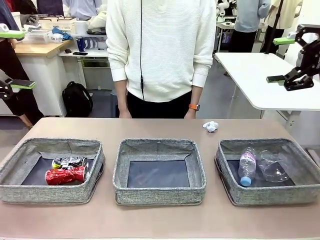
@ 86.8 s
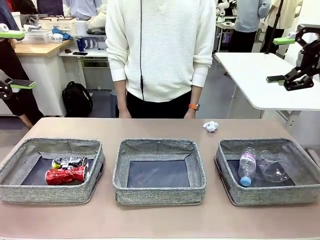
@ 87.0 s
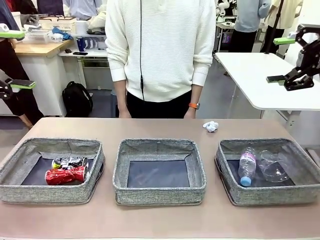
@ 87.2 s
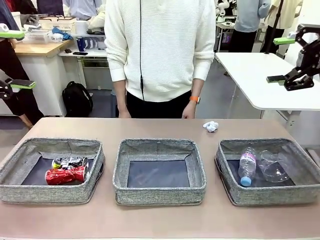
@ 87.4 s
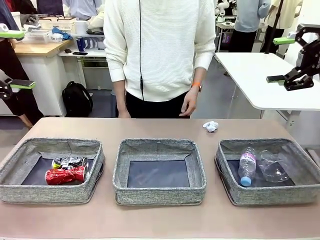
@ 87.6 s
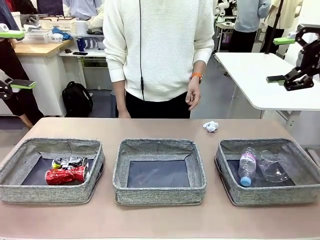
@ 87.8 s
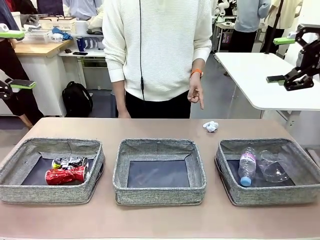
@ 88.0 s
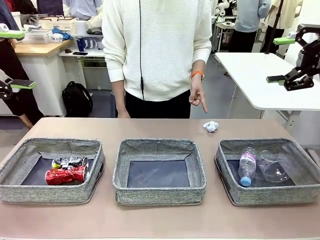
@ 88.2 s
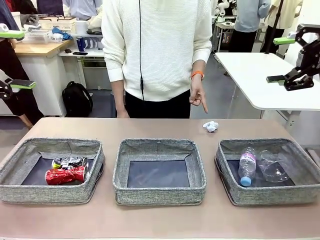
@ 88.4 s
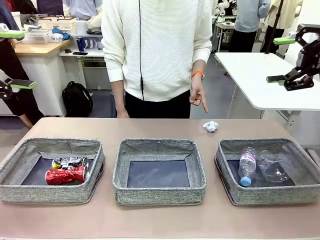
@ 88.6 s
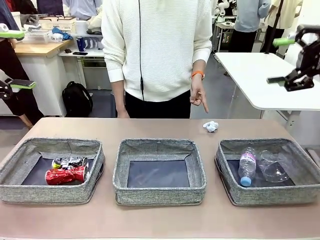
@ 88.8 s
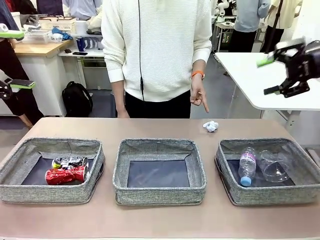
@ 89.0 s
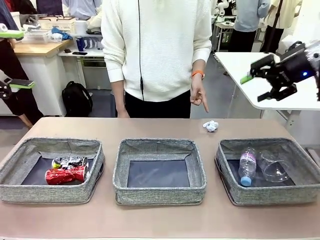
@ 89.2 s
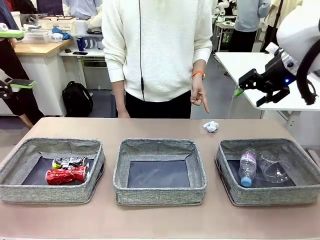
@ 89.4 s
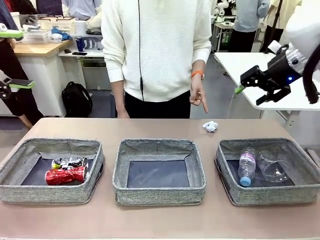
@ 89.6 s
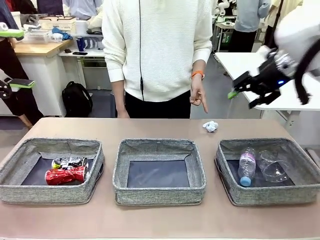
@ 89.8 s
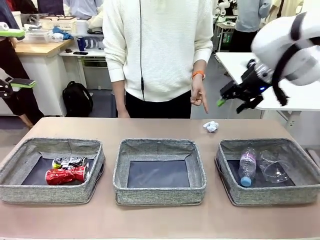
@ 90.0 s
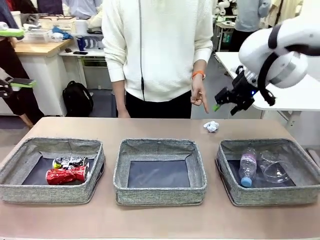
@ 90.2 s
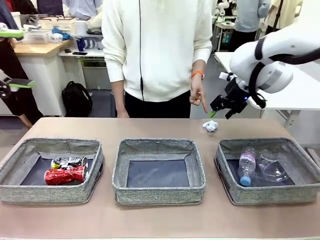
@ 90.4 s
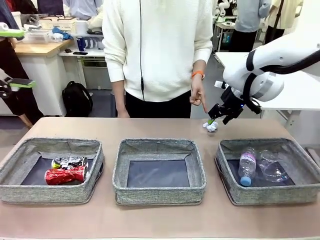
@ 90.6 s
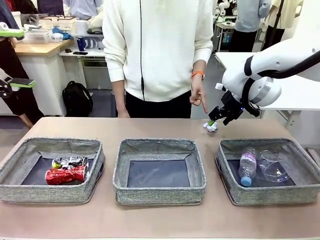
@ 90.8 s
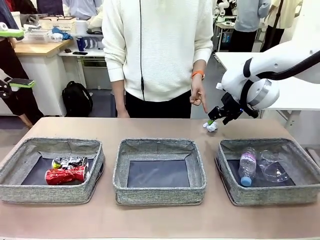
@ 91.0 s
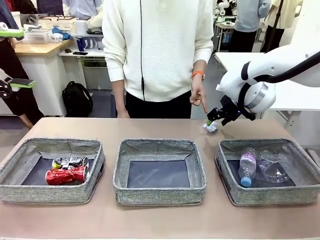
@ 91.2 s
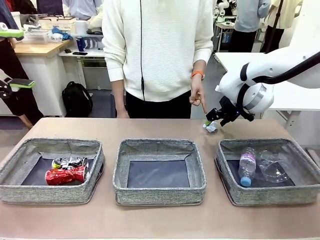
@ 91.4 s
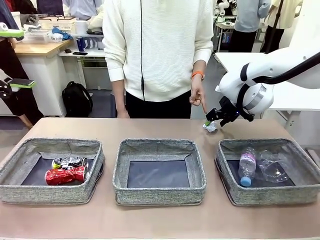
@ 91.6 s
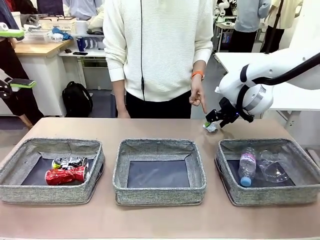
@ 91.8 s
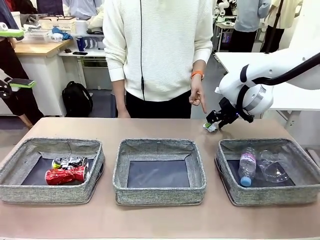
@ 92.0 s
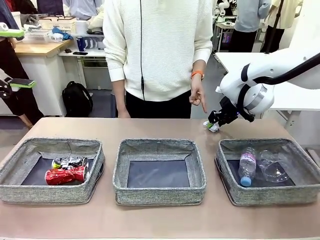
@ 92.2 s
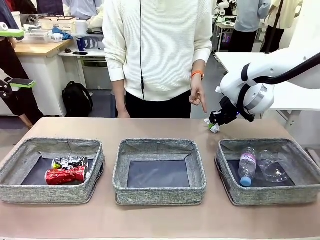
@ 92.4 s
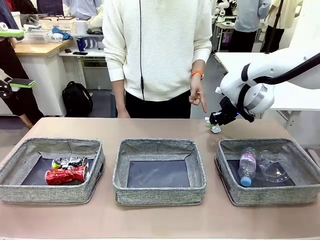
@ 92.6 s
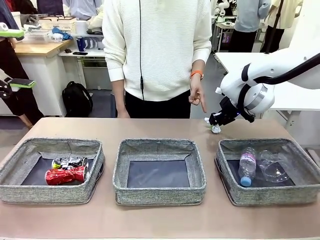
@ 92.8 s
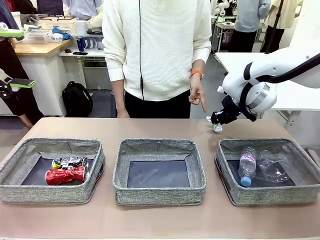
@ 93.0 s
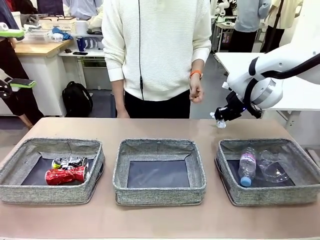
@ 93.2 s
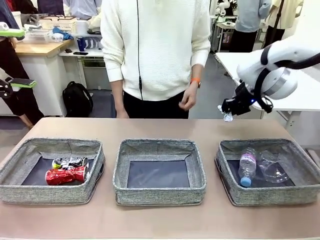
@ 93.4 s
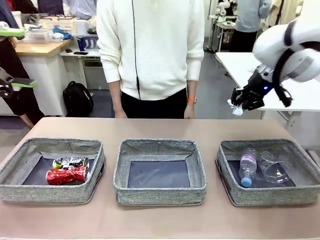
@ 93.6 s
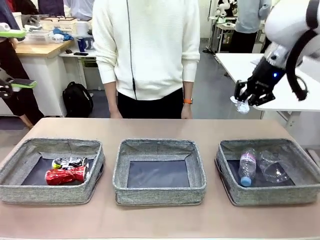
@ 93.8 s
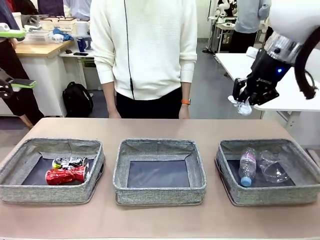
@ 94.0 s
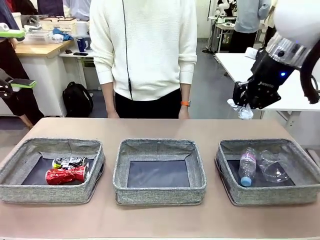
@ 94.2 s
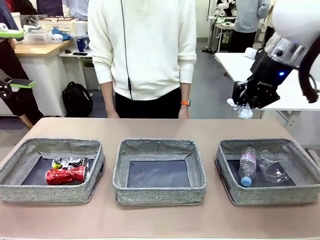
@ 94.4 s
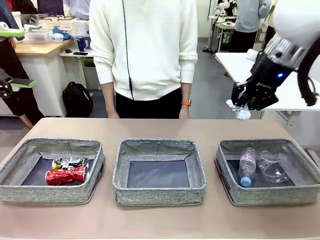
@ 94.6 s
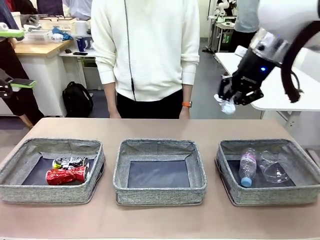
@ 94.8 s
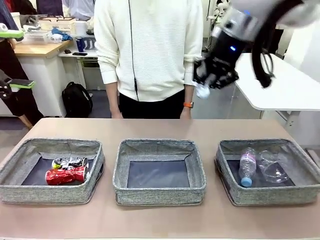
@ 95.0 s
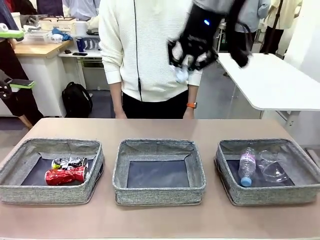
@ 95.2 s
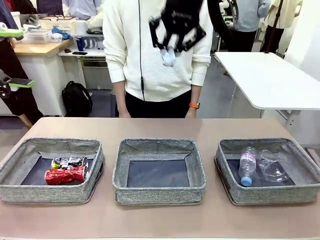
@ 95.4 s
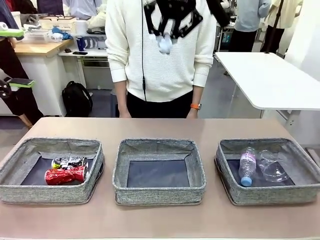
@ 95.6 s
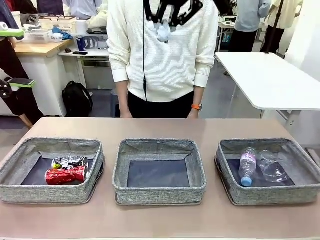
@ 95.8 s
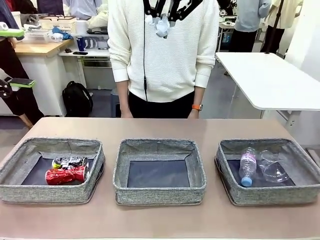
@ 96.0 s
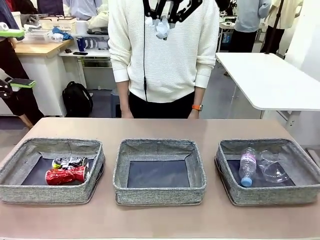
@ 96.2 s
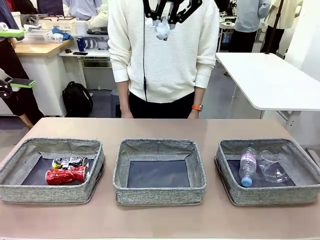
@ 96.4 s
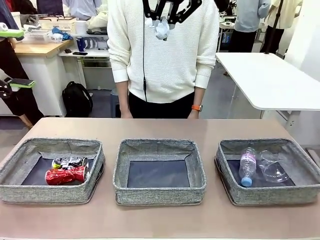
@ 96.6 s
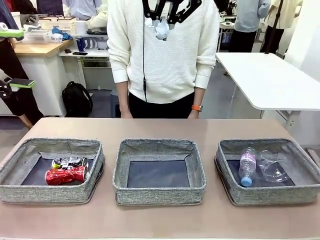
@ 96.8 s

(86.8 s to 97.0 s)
Task: Sort the waste into the appropriate baskets.
Robot: Pick up the waste item pointed out by the person.
Person: Points to one piece of trash on the table.

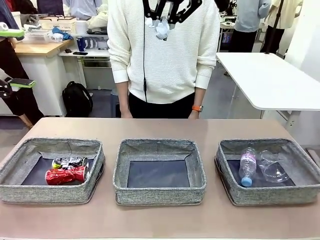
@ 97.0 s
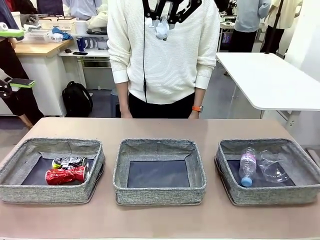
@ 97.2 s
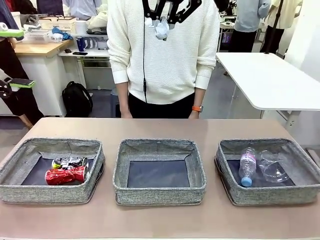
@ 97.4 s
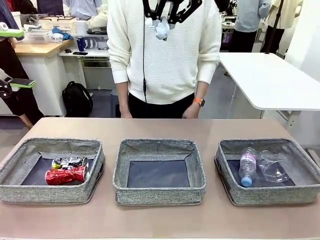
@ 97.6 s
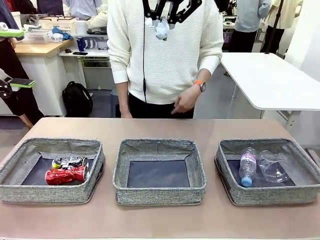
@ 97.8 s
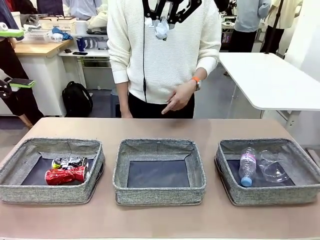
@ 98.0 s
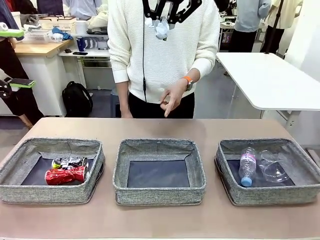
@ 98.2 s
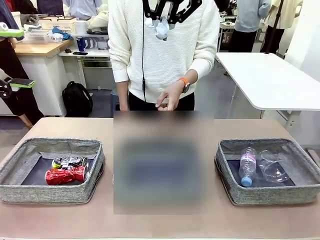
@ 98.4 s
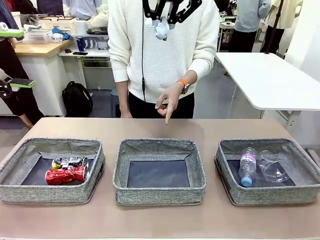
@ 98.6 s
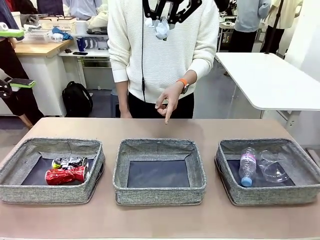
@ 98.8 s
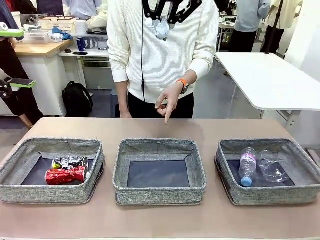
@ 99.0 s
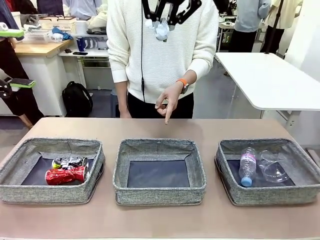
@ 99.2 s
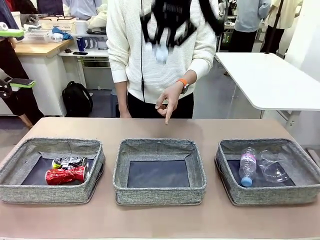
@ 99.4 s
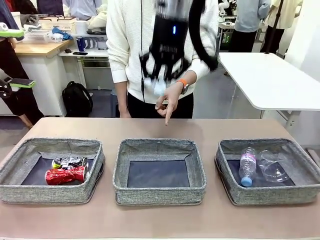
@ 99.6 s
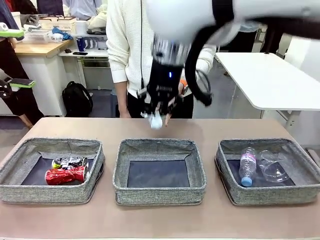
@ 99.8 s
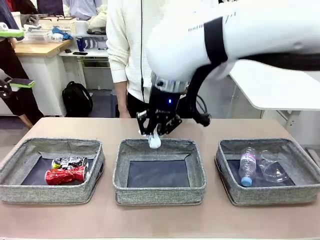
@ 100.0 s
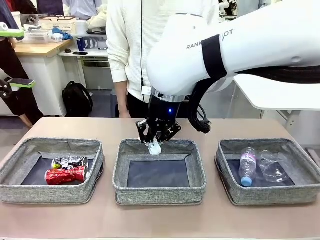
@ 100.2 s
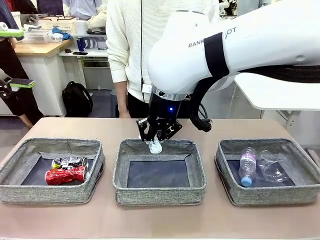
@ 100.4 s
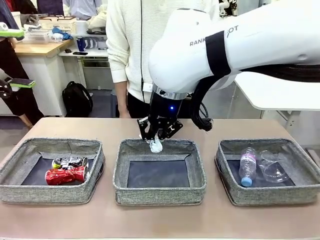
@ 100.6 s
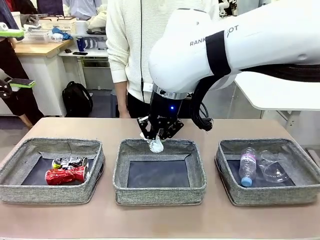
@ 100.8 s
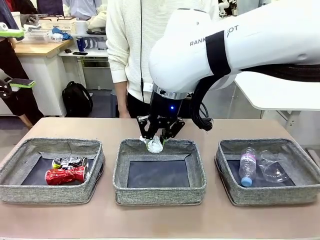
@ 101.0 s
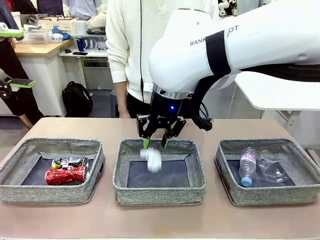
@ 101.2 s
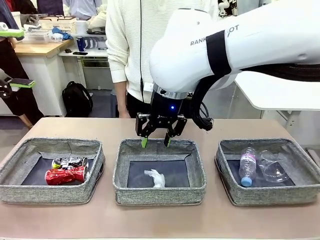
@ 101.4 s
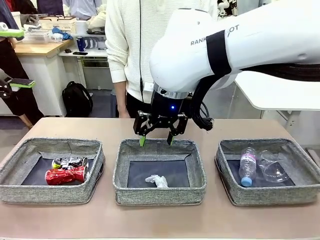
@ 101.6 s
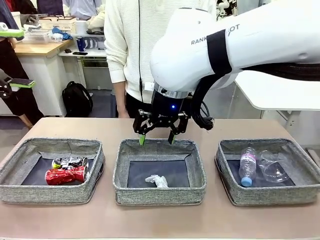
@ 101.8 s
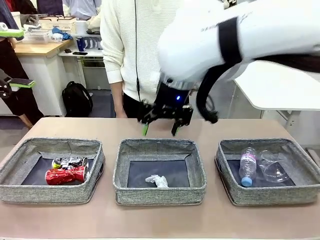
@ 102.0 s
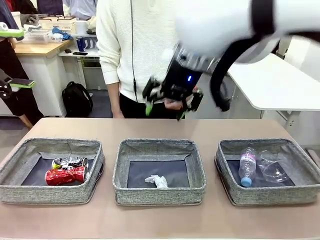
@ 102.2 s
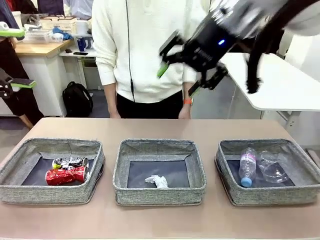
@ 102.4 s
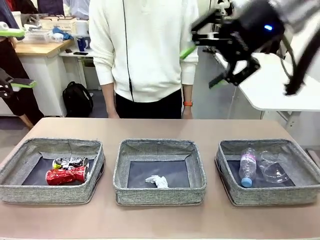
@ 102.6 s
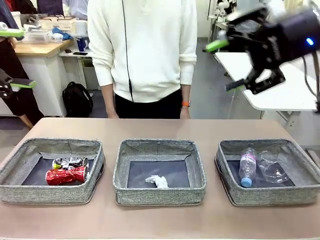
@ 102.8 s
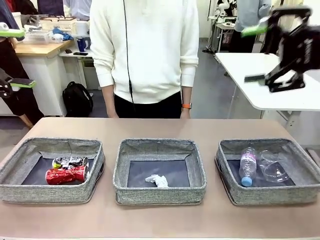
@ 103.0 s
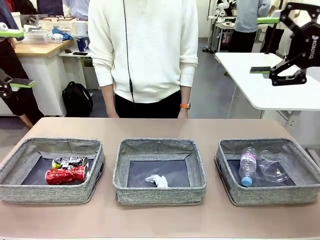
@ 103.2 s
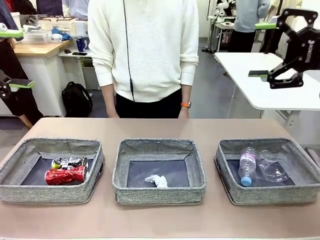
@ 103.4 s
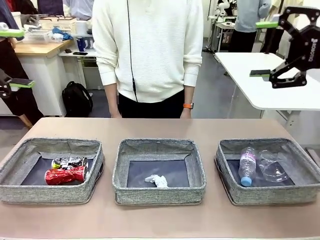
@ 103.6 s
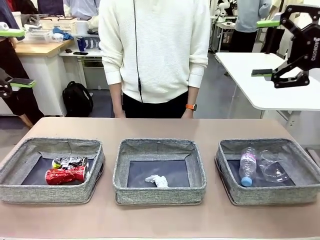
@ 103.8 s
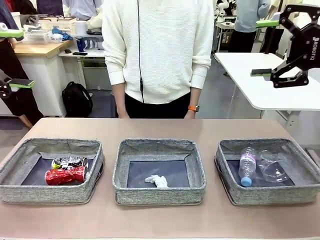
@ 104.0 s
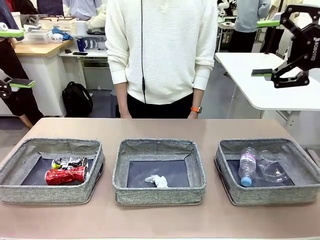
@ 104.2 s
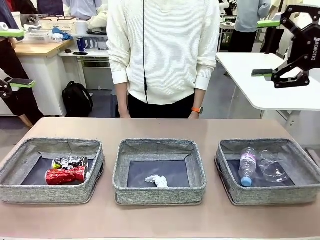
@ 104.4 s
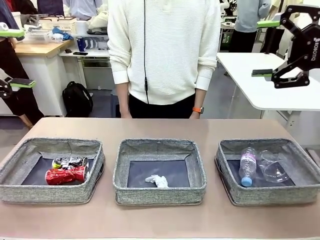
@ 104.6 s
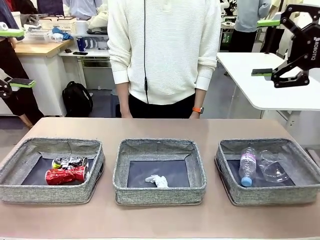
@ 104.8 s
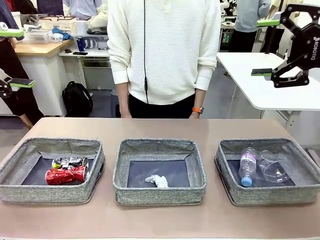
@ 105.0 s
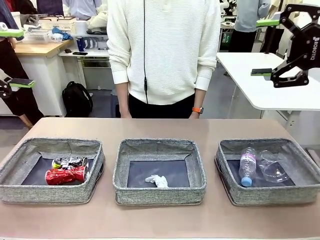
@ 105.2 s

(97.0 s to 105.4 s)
Robot: Place the picked waste into the Fabric basket indicated by the person.
Person: Instructs the robot to place the picked-up trash into the appropriate organizing basket.
